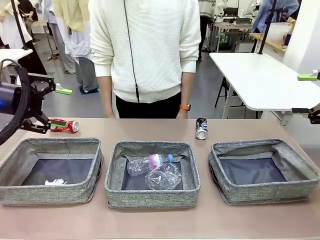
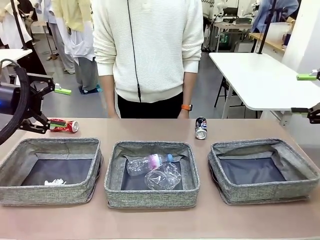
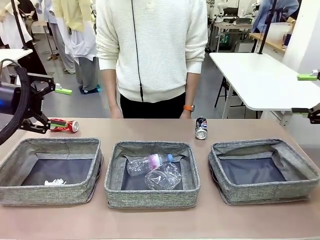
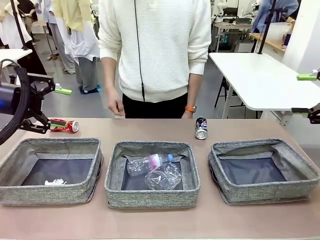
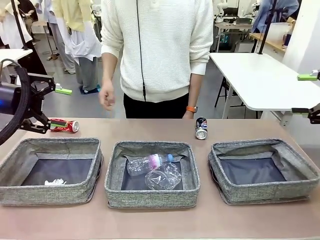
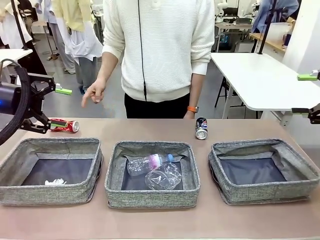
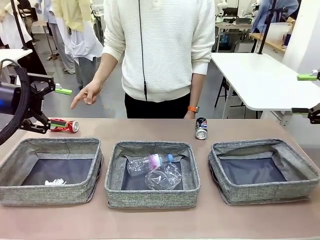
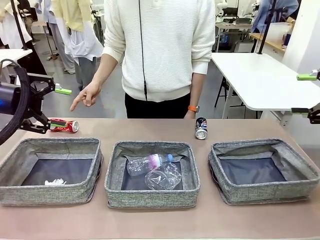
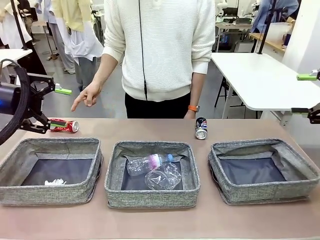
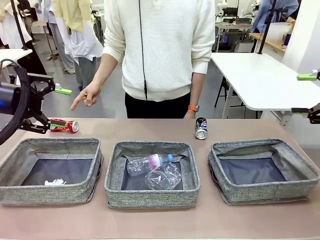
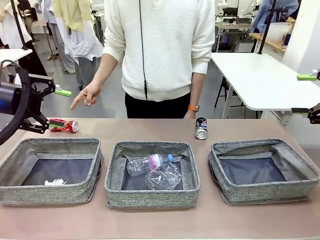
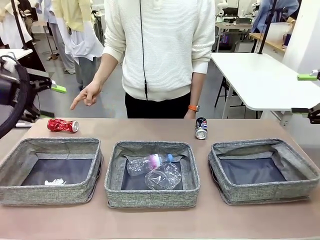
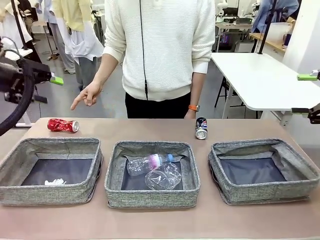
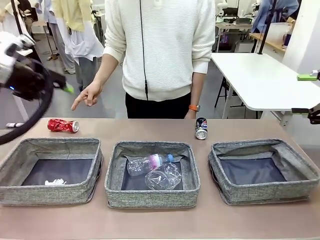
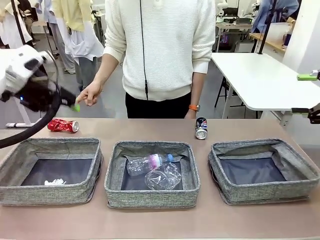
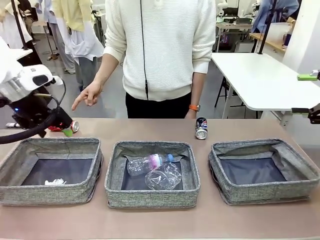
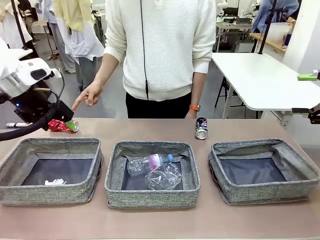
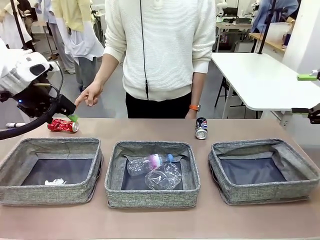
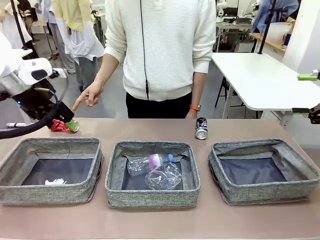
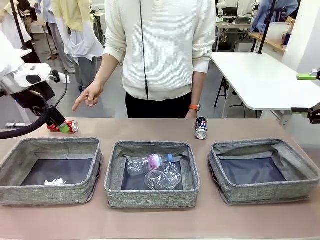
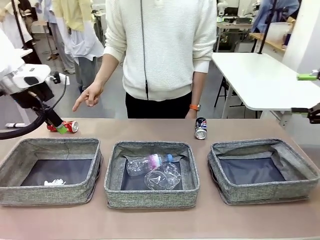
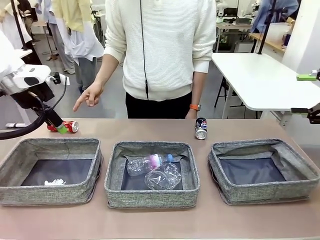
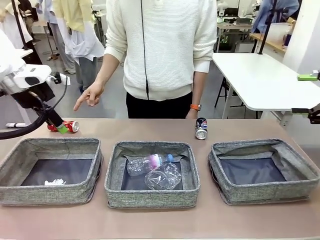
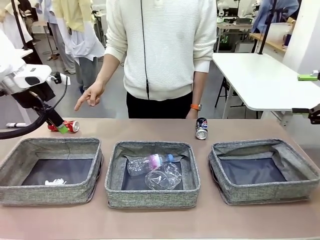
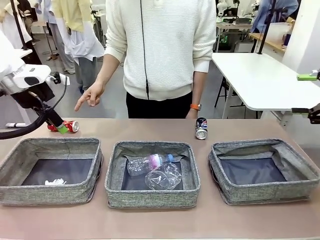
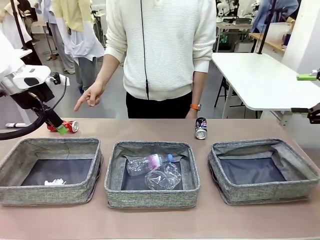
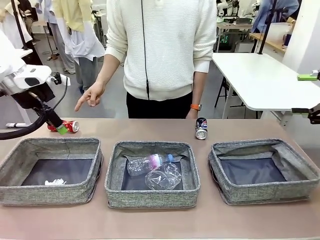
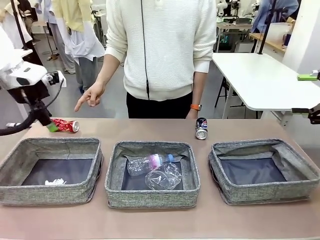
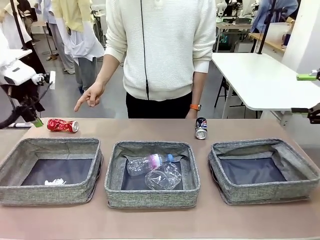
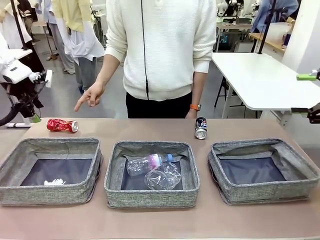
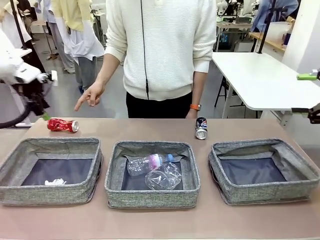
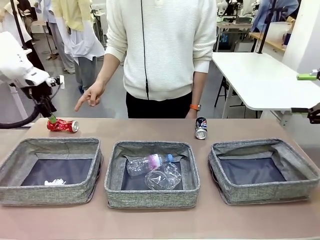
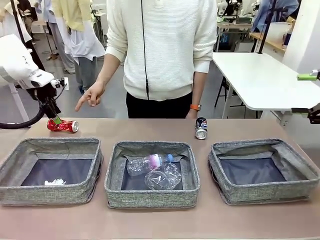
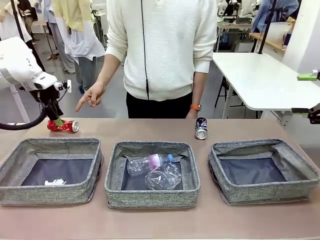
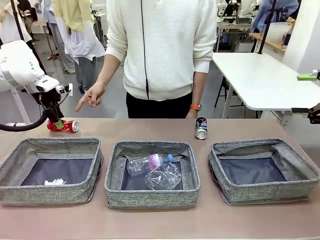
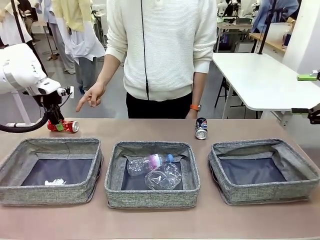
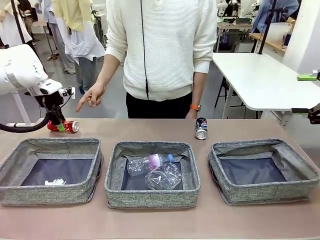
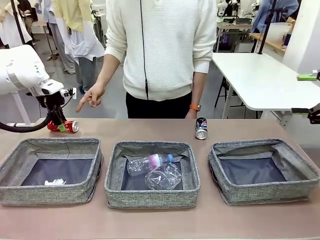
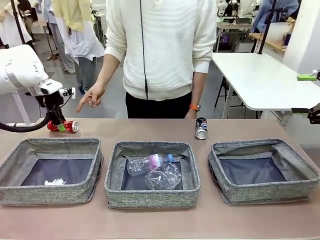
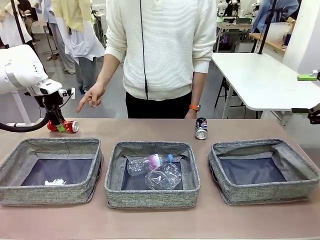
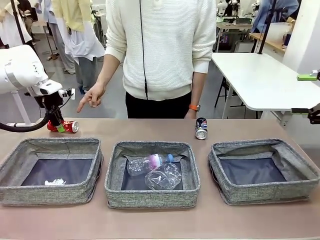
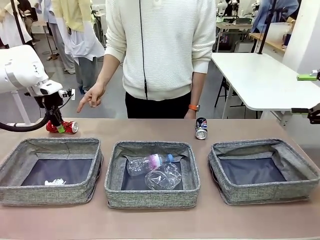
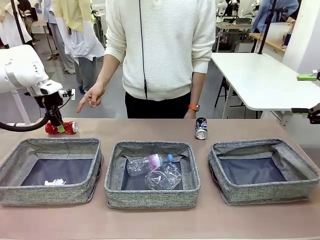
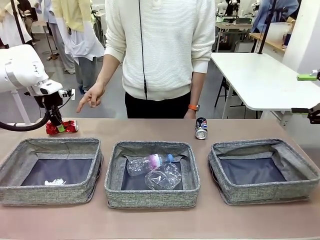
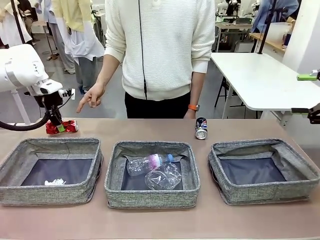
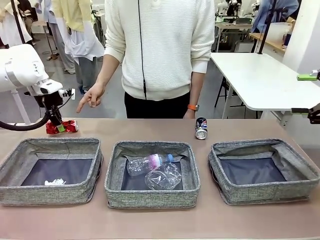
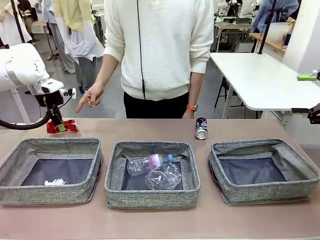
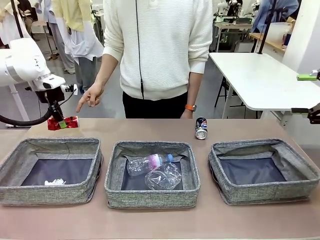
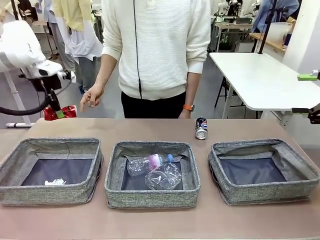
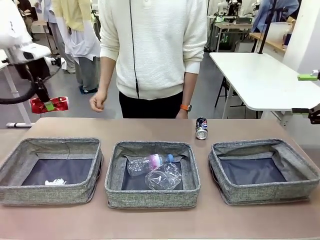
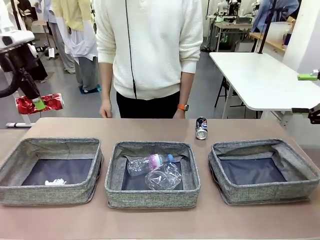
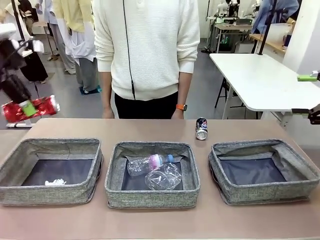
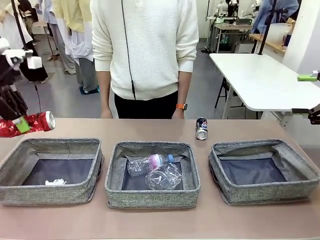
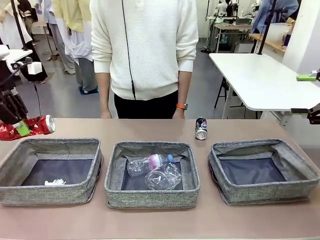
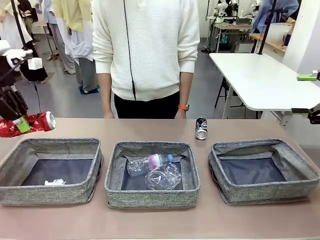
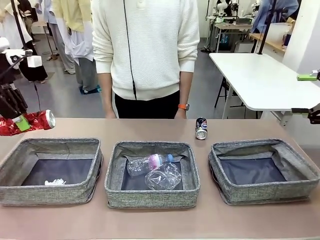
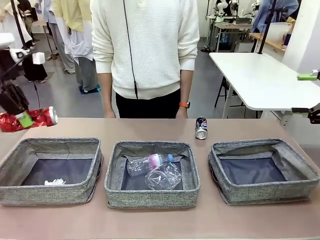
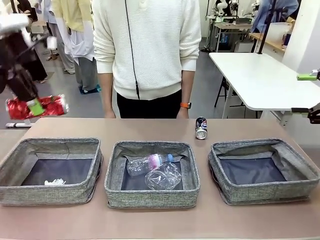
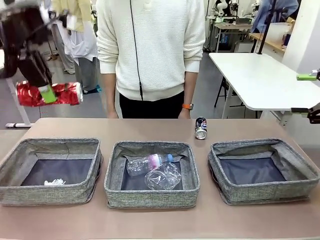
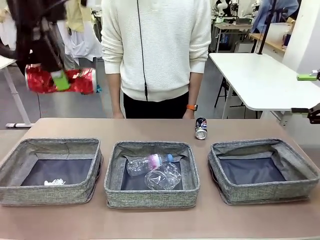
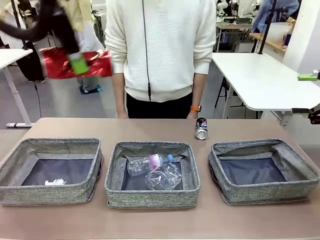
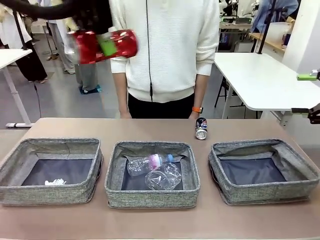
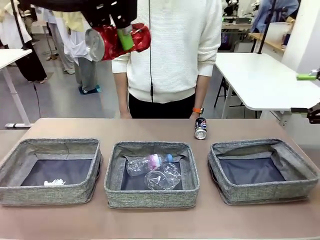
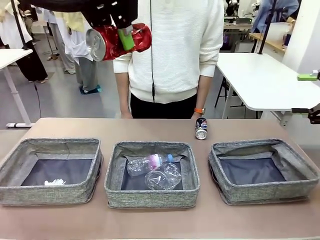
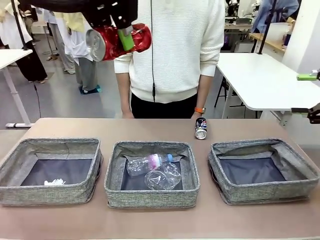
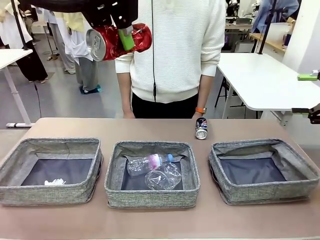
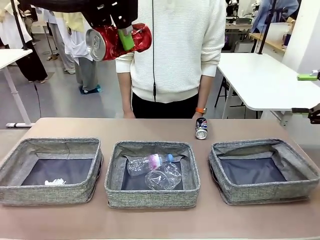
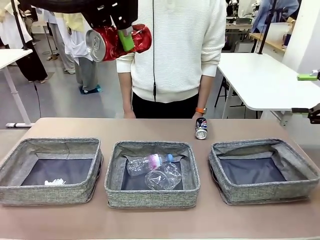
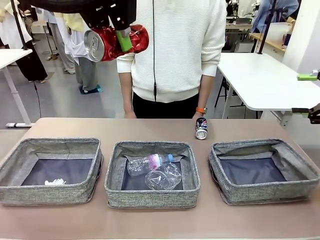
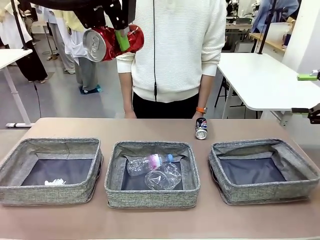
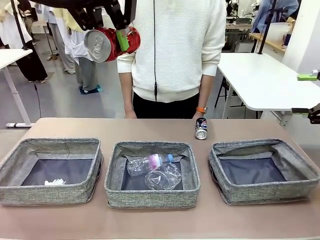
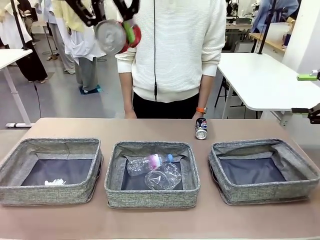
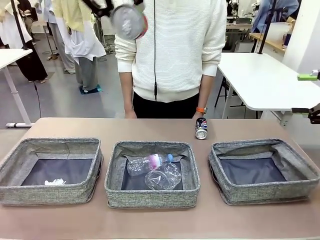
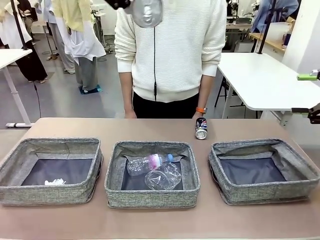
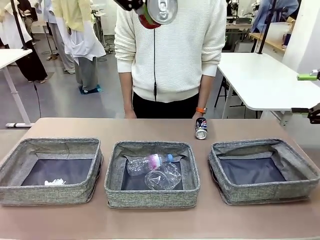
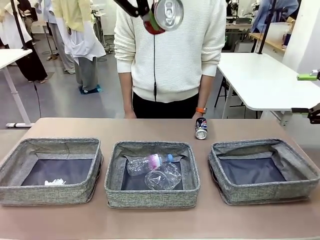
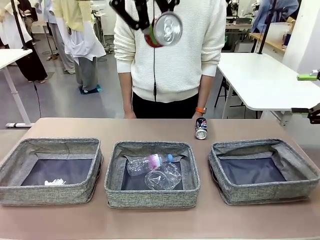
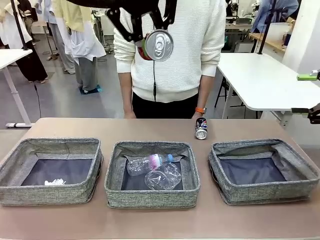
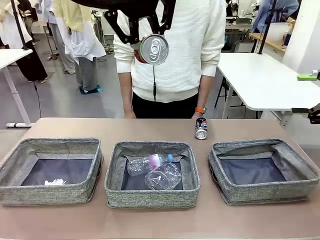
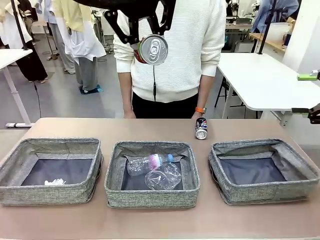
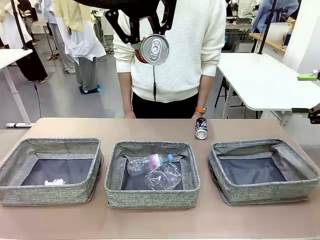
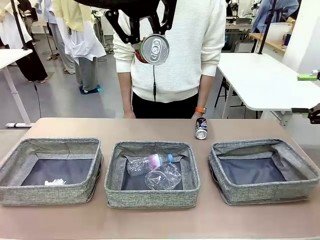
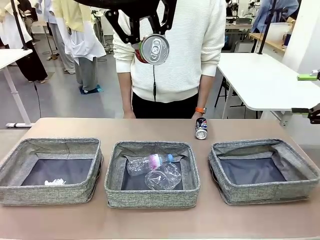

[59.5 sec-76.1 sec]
Task: Sort the waste into the appropriate baskets.
Robot: Pick up the waste item pointed out by the person.
Person: Points to one piece of trash on the table.

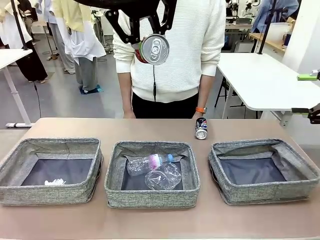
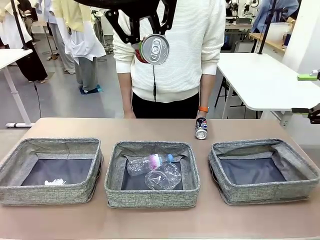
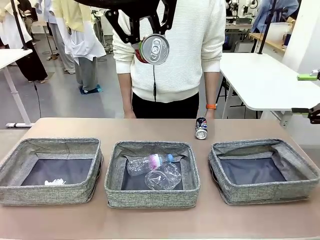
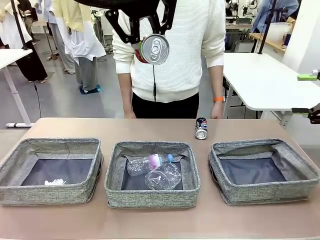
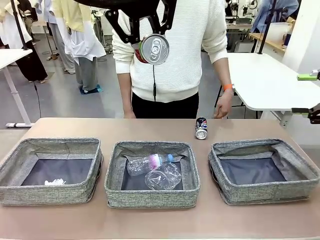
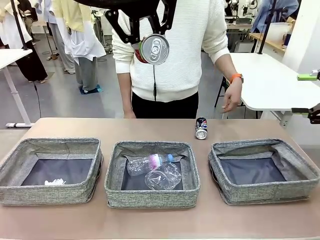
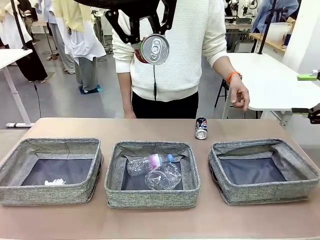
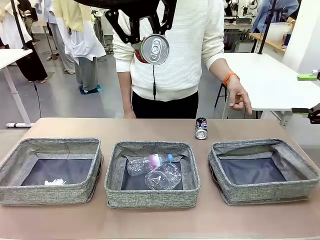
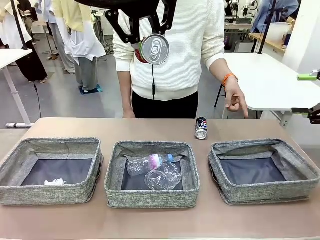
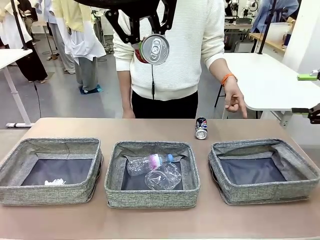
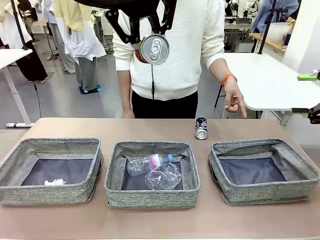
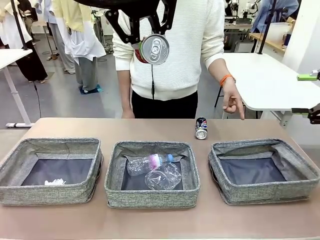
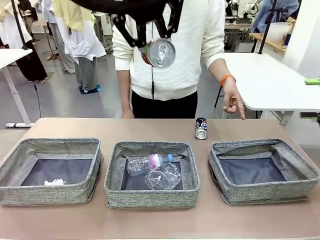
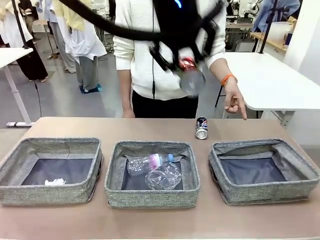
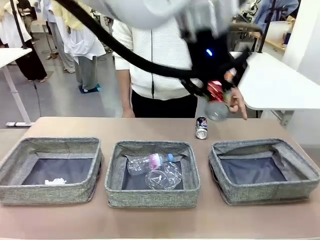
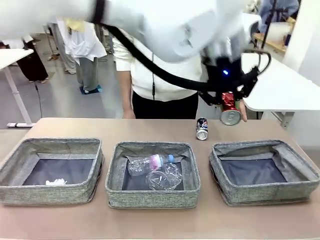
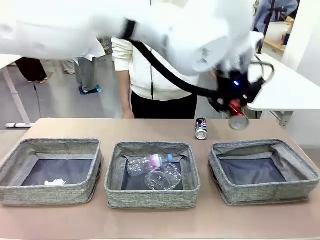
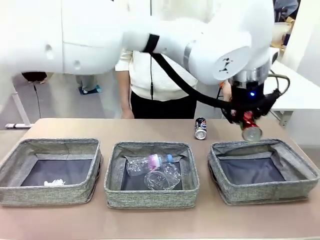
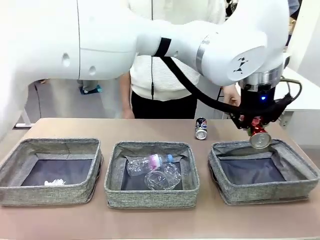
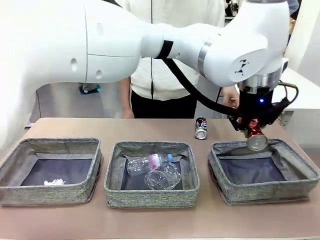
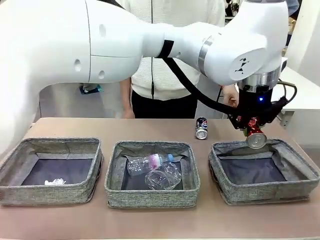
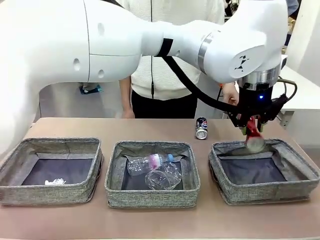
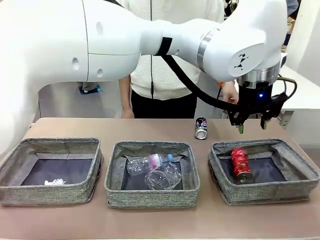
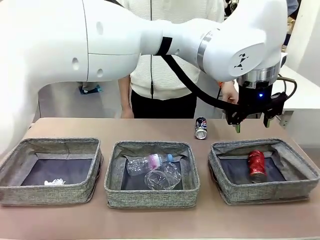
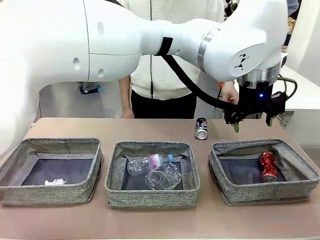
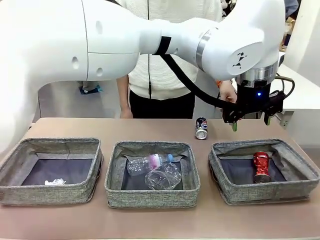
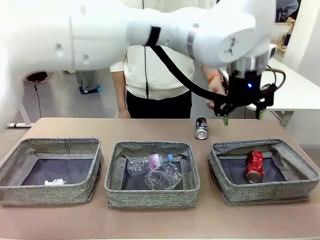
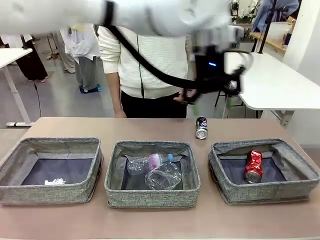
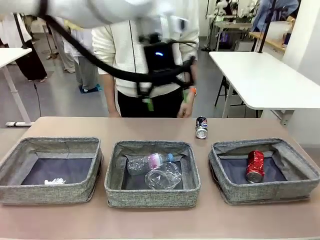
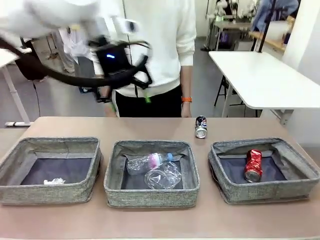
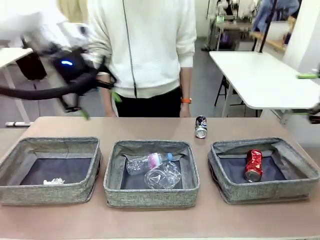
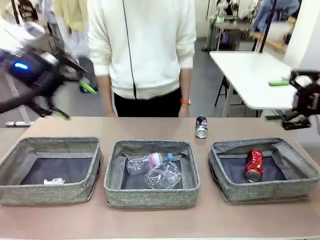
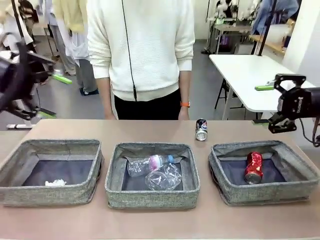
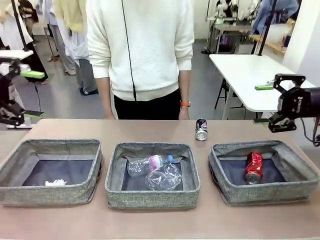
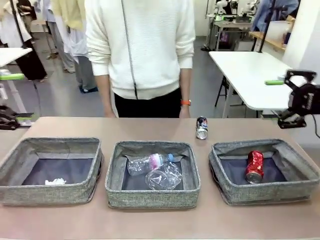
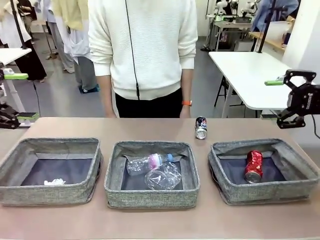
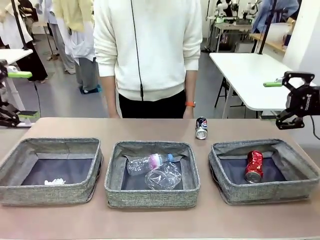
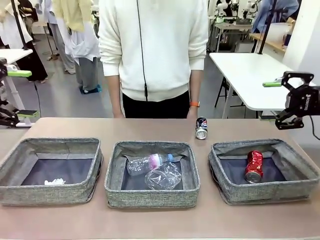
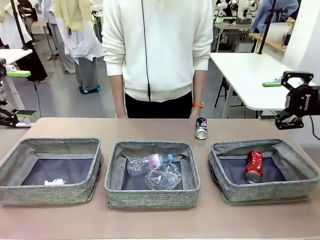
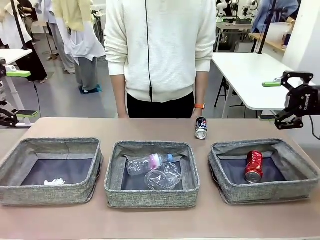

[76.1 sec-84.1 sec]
Robot: Place the picked waste into the Fabric basket indicated by the person.
Person: Instructs the robot to place the picked-up trash into the appropriate organizing basket.
